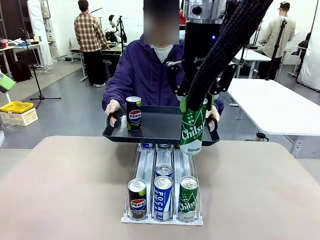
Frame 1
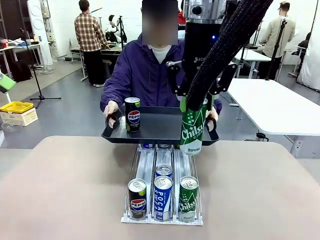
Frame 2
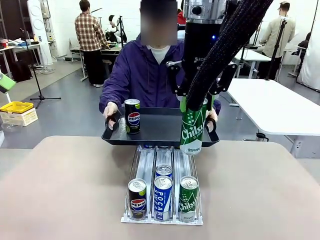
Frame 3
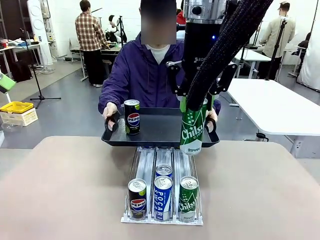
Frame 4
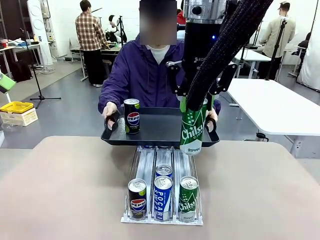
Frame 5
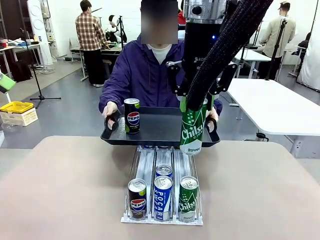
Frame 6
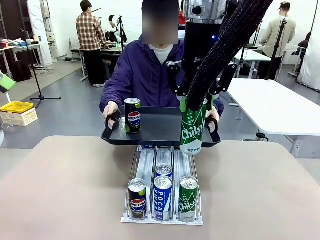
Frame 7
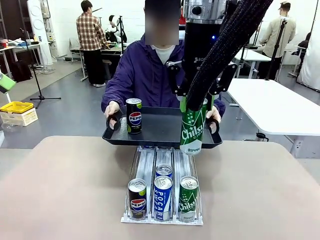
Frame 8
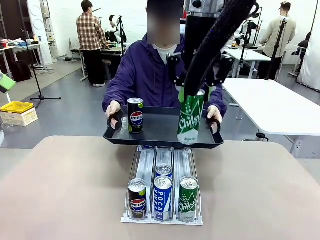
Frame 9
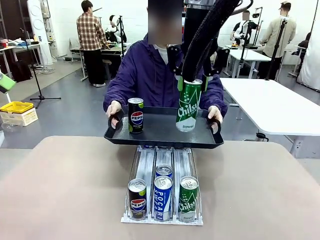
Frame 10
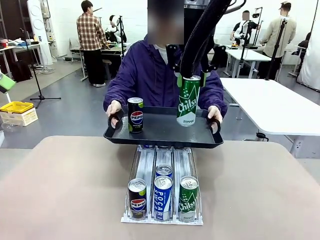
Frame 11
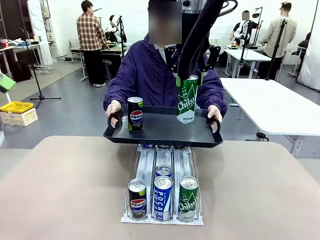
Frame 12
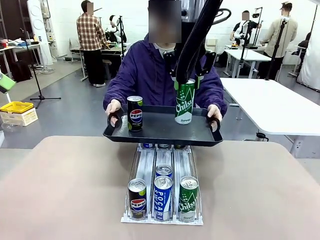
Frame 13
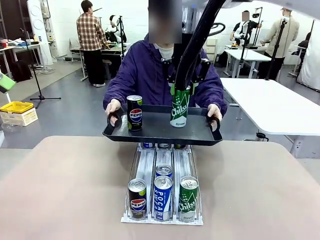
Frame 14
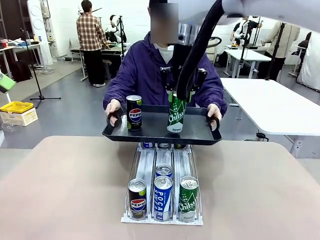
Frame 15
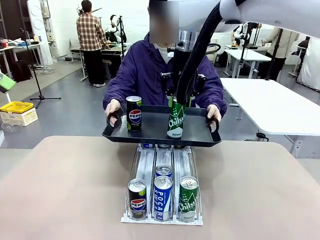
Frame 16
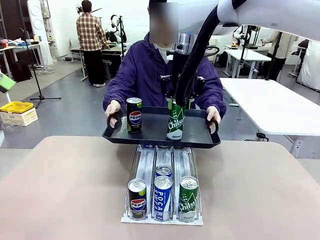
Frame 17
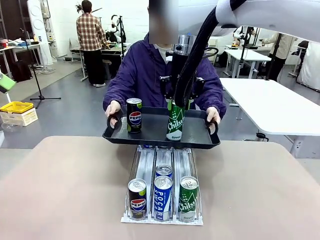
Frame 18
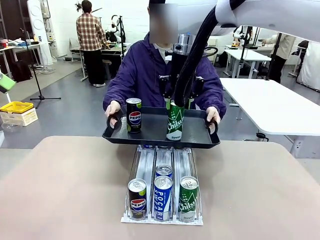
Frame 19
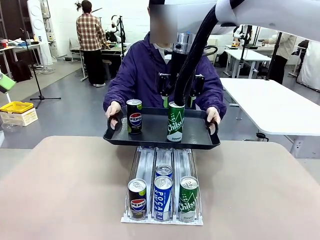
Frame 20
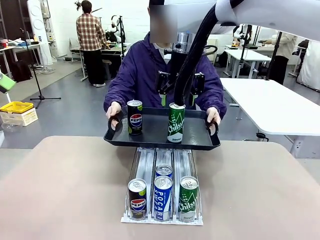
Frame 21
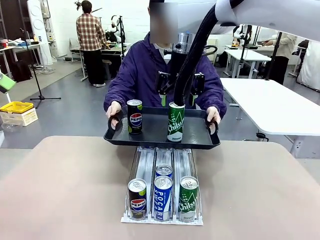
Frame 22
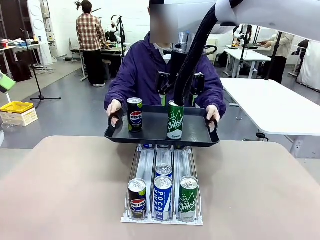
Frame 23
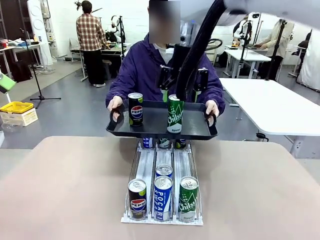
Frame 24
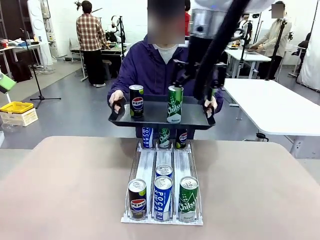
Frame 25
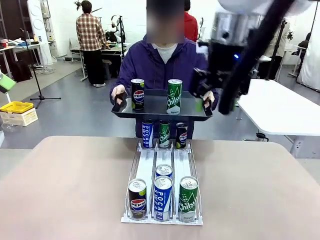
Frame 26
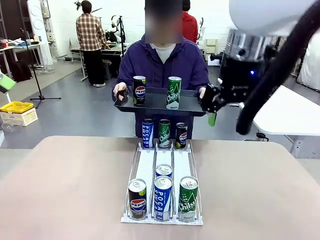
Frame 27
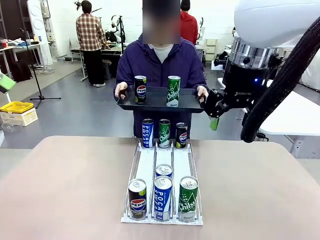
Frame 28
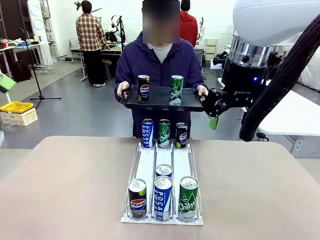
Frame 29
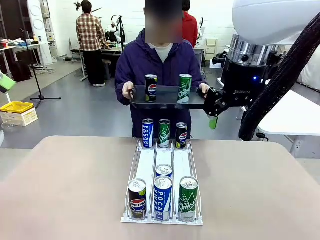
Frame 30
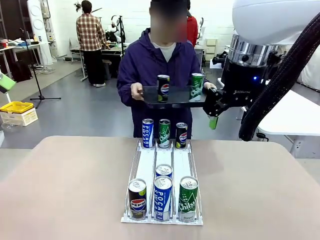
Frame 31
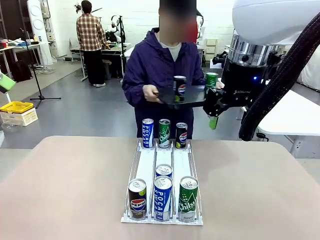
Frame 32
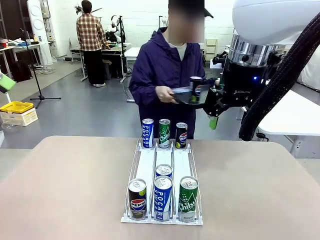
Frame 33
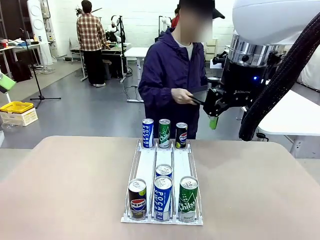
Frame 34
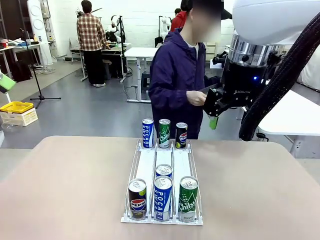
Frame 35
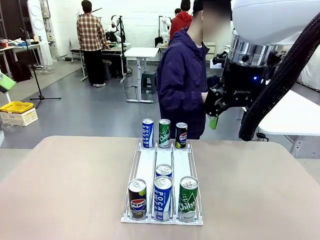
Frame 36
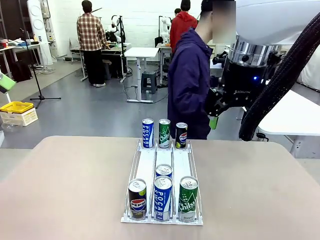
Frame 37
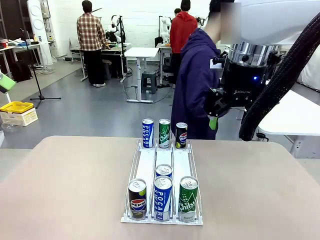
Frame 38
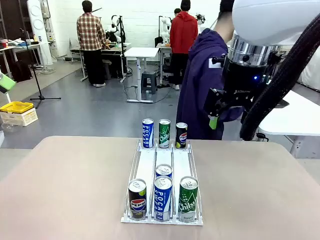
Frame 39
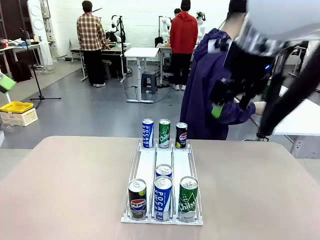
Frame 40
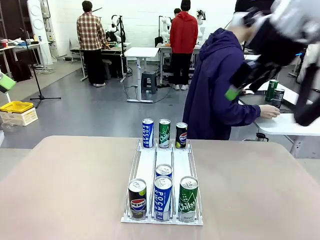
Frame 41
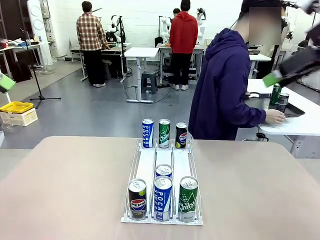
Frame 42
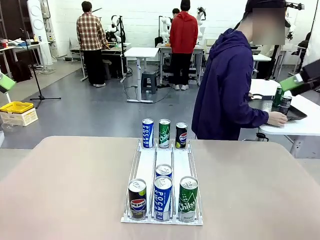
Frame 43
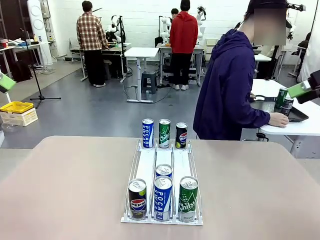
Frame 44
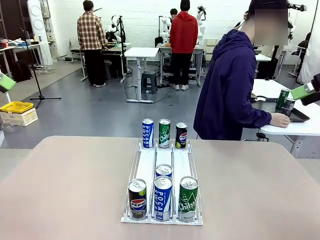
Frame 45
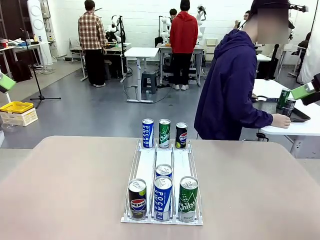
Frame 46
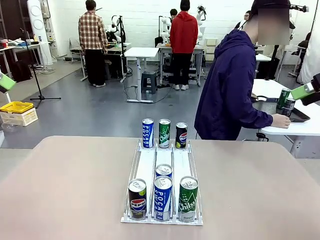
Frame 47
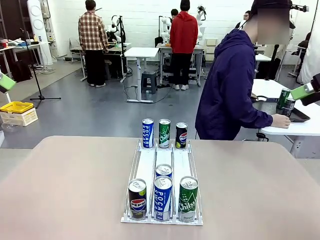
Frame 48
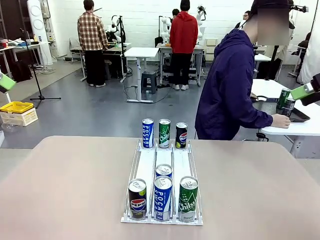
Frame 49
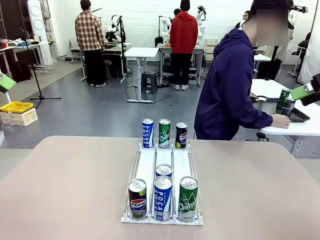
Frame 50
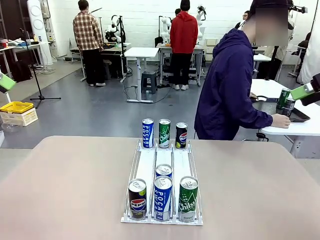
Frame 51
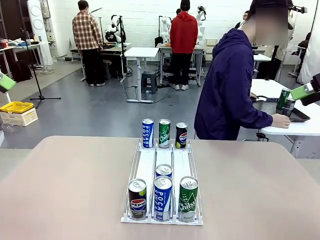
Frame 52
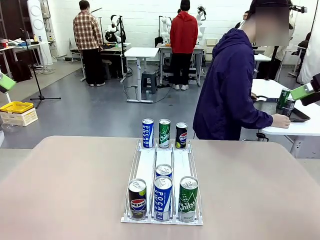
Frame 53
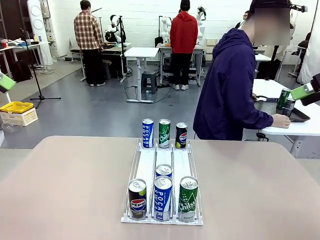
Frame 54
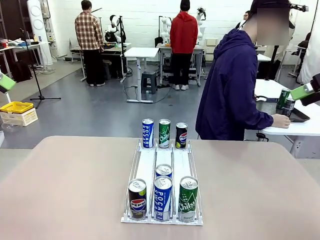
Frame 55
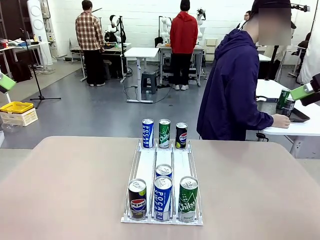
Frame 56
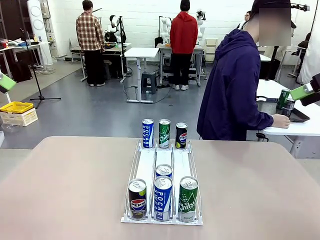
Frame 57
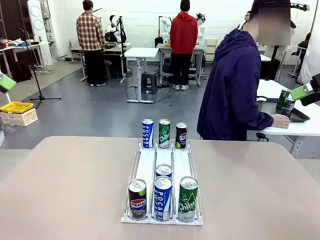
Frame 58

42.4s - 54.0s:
Task: Retrieve and hand over the desired beverage to the person.
Robot: Place the picked can on the Handle tray extended by the person.
Person: Pull the tray back and place it at the center of the human table.

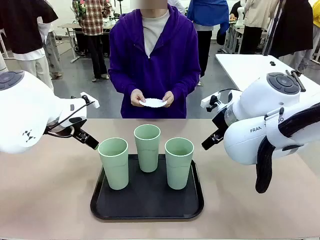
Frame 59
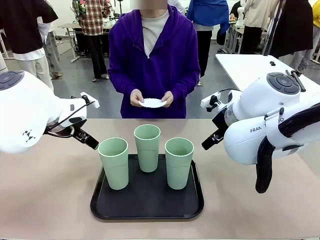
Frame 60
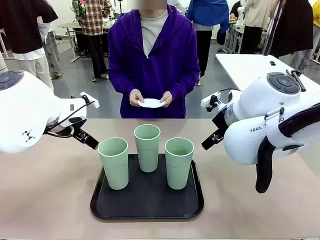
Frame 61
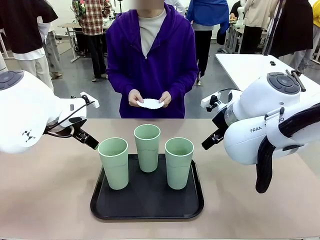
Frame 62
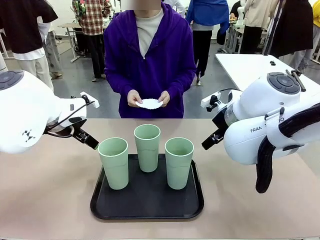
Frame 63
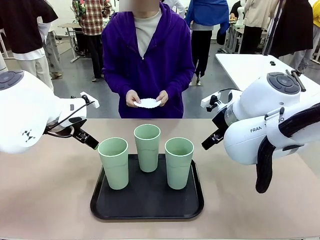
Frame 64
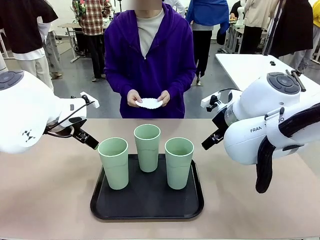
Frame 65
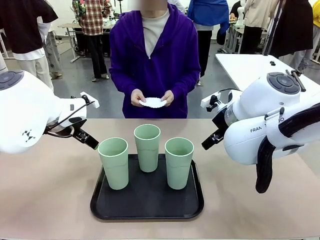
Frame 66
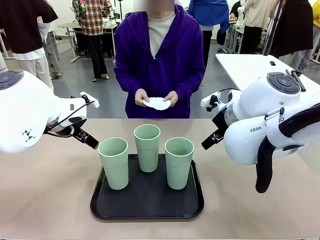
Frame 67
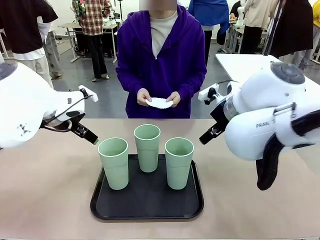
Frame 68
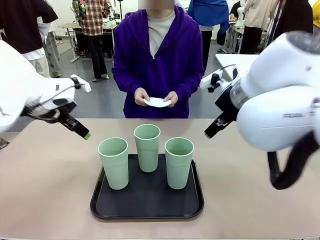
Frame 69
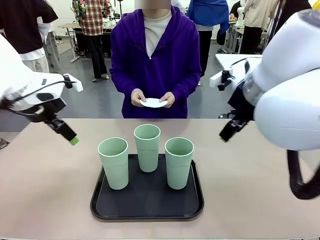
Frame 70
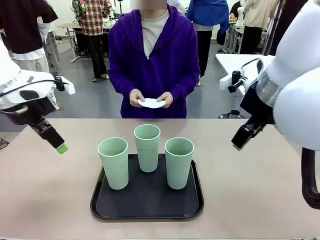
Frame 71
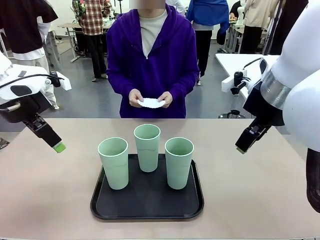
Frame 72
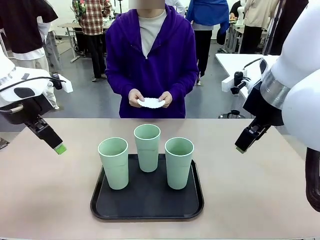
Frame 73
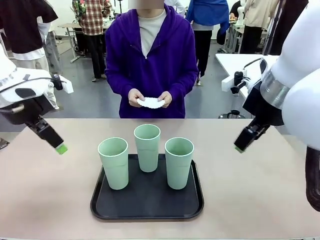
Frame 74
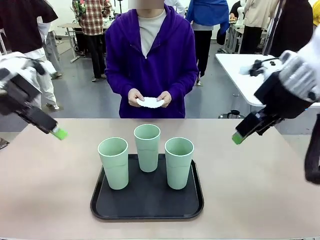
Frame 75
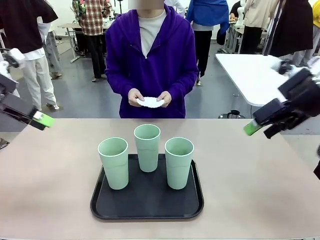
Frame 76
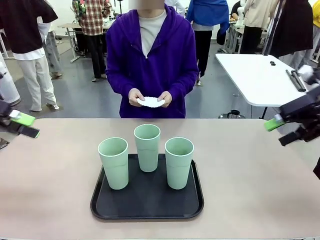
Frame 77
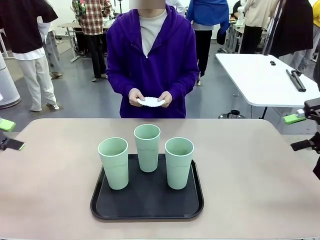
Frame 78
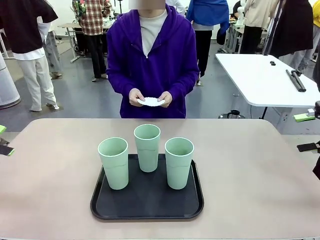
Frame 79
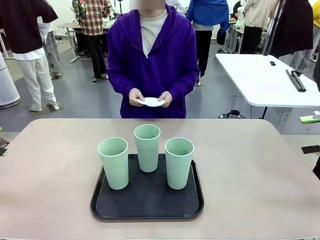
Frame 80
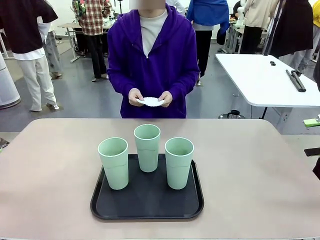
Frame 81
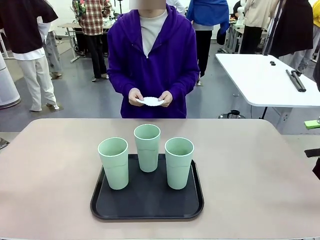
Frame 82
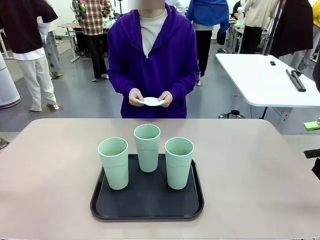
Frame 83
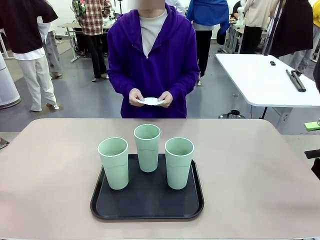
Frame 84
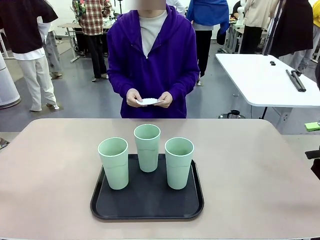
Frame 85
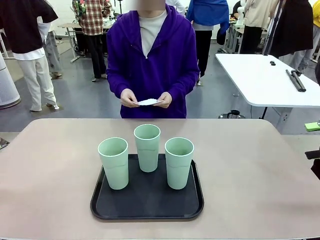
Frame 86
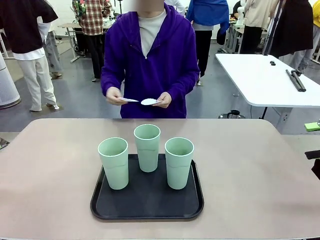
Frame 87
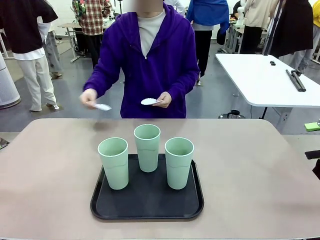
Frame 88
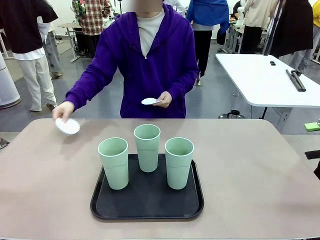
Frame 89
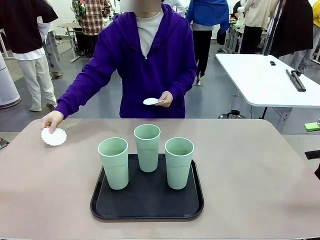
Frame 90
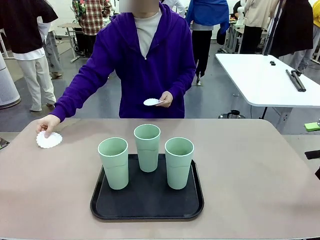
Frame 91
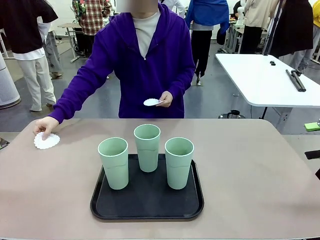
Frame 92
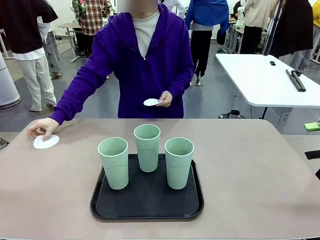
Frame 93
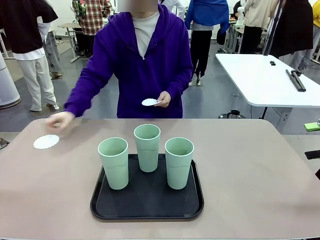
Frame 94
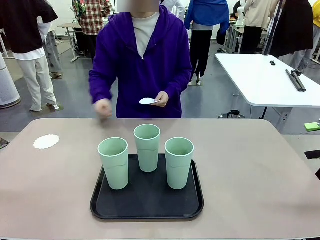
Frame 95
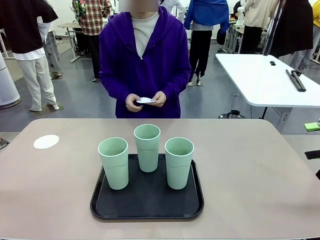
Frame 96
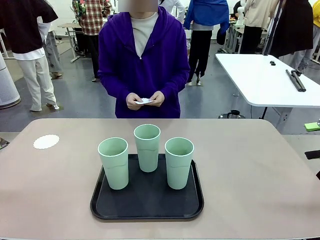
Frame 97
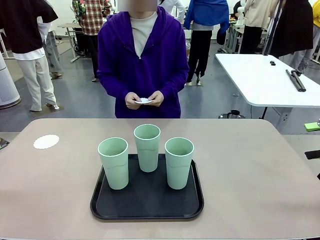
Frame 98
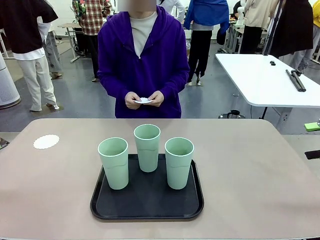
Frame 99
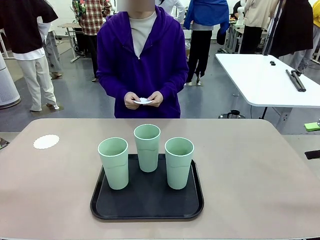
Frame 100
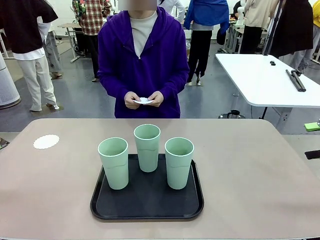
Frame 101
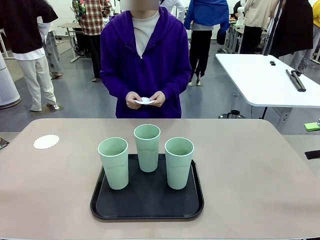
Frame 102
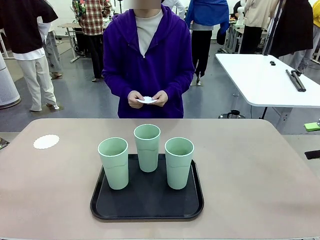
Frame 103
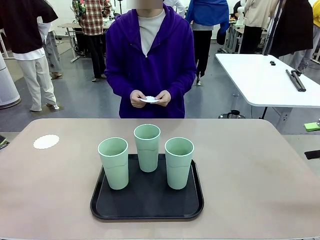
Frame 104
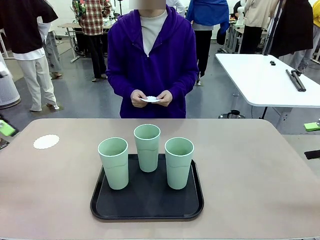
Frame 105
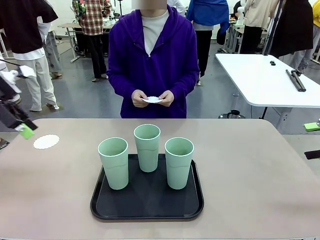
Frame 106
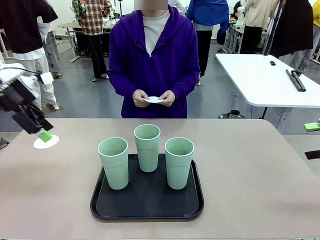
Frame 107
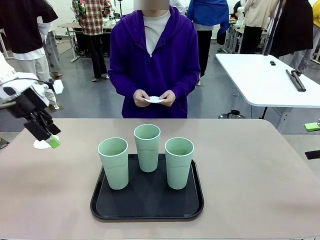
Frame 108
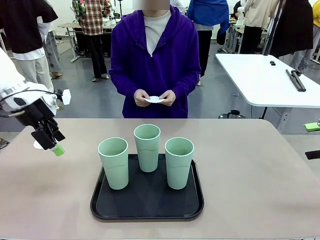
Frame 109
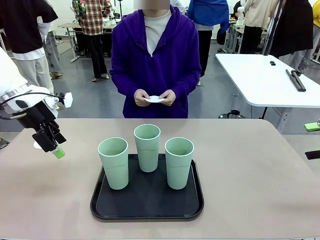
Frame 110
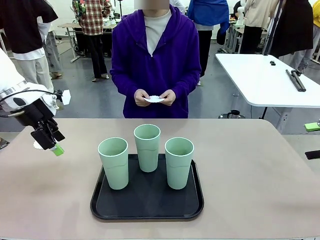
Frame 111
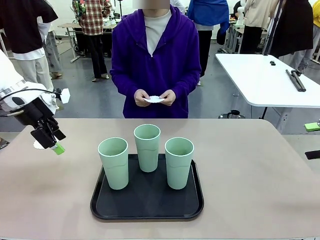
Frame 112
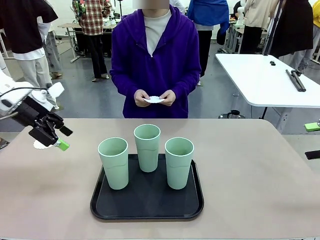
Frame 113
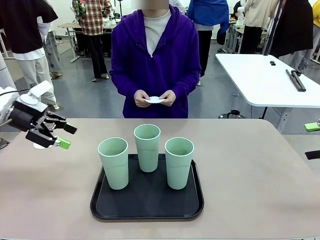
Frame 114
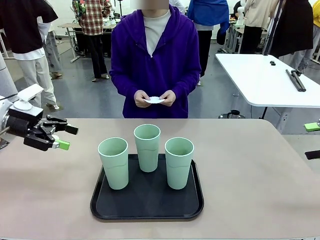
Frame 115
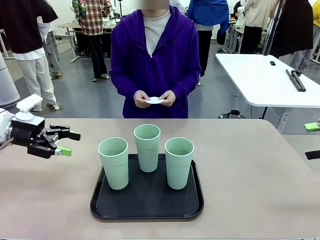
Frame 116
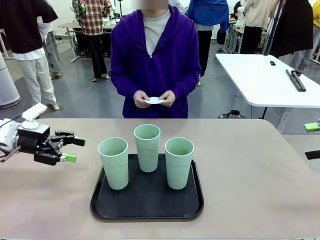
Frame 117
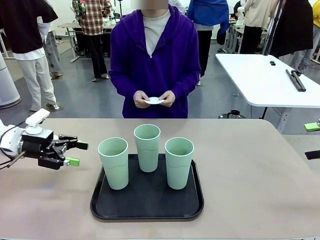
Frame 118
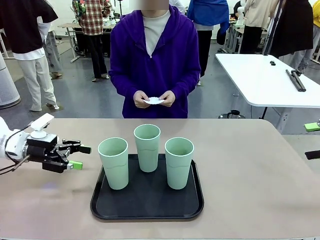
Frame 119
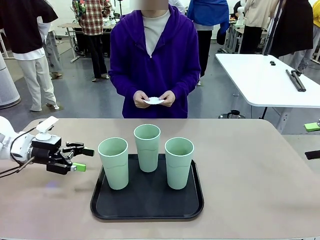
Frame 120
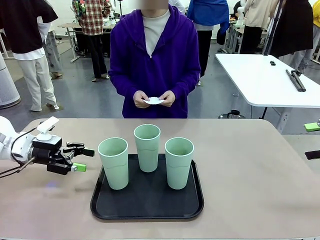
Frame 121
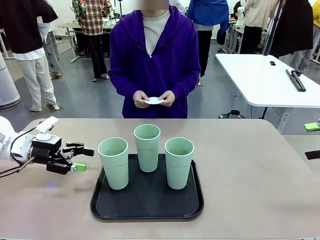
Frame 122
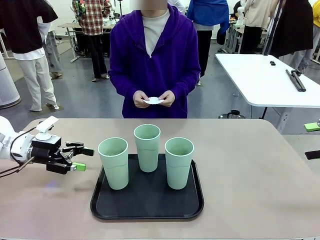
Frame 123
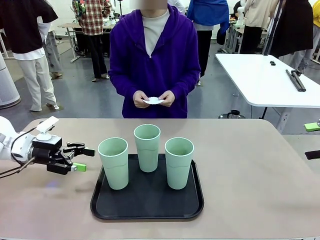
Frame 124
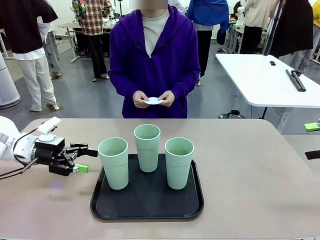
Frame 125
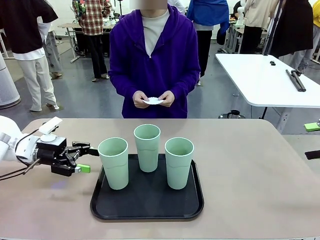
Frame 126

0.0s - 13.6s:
Task: Place coasters on the table and set cups on them.
Robot: Pick up one Reusable plastic cup and place it on a coaster set by the human.
Person: Place one coaster in any one of the three lower areas of the robot table (left, center, or right).
